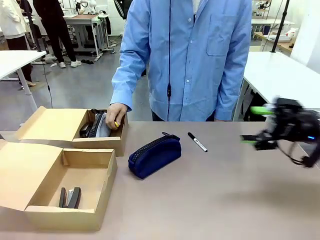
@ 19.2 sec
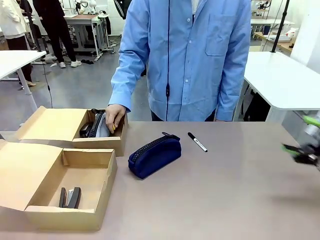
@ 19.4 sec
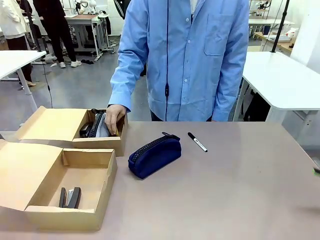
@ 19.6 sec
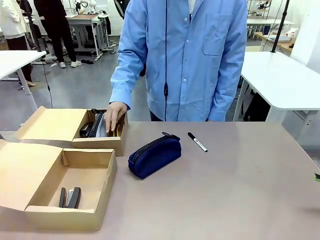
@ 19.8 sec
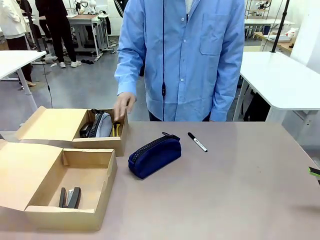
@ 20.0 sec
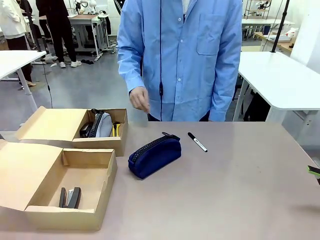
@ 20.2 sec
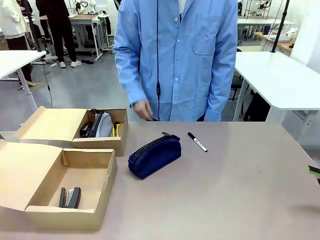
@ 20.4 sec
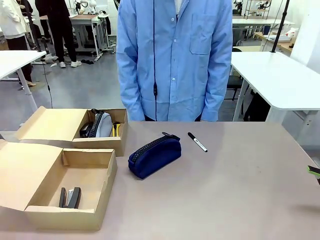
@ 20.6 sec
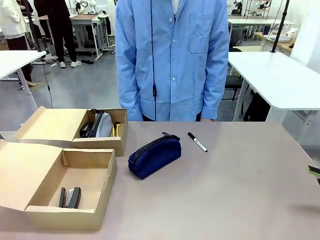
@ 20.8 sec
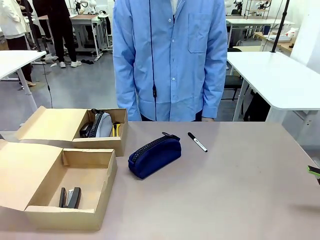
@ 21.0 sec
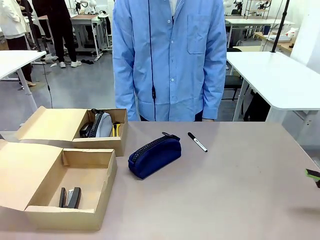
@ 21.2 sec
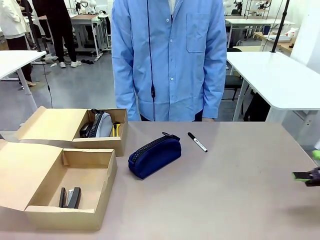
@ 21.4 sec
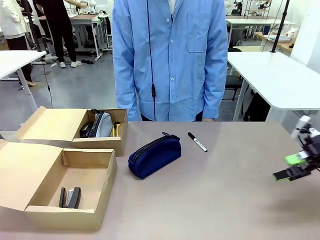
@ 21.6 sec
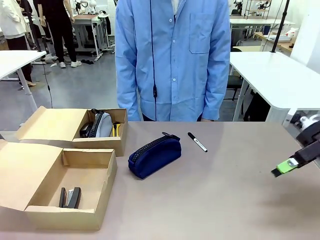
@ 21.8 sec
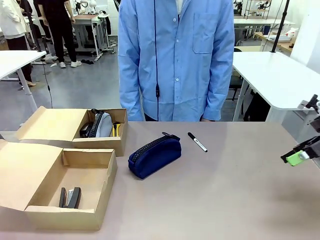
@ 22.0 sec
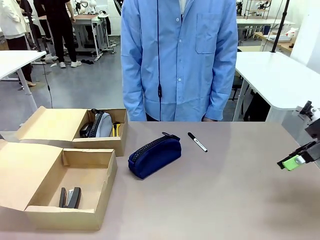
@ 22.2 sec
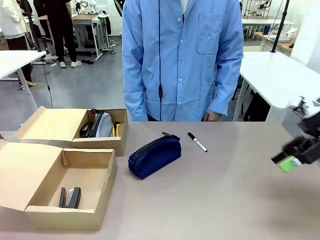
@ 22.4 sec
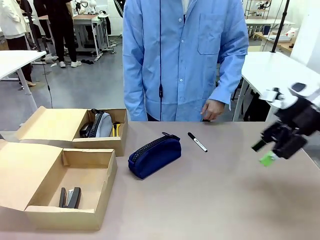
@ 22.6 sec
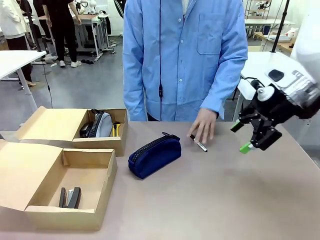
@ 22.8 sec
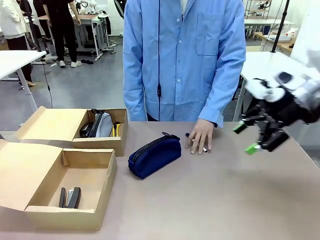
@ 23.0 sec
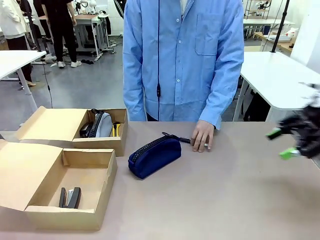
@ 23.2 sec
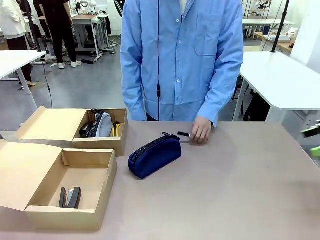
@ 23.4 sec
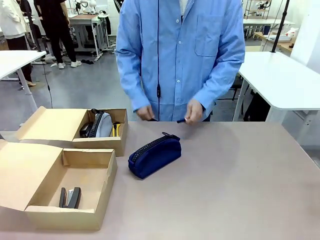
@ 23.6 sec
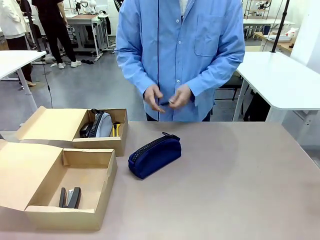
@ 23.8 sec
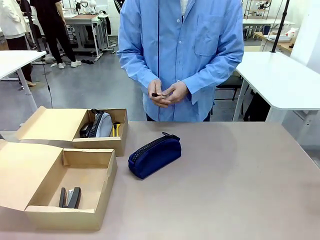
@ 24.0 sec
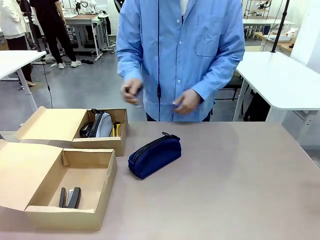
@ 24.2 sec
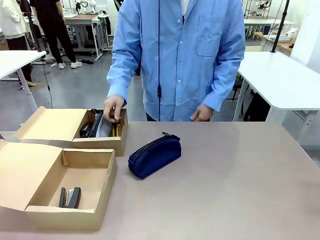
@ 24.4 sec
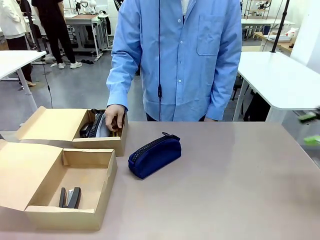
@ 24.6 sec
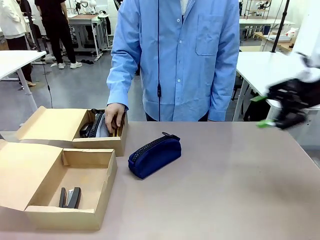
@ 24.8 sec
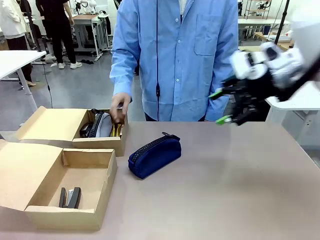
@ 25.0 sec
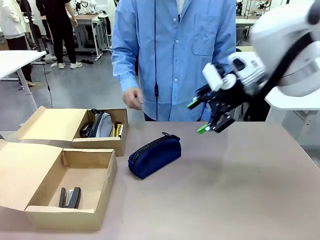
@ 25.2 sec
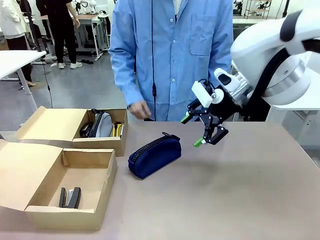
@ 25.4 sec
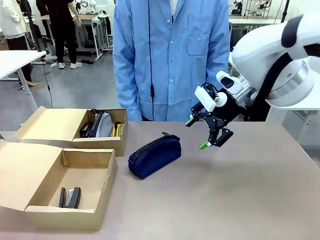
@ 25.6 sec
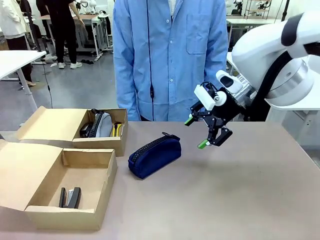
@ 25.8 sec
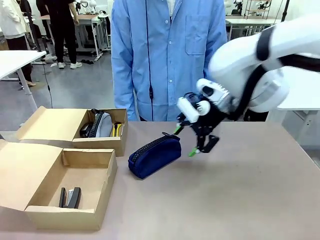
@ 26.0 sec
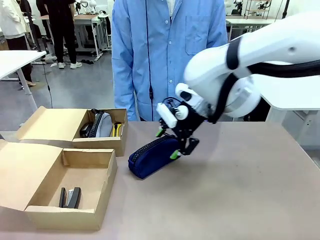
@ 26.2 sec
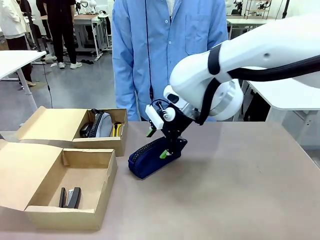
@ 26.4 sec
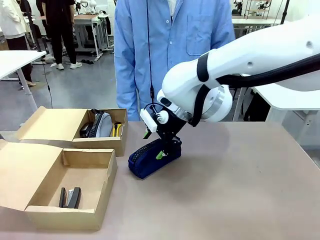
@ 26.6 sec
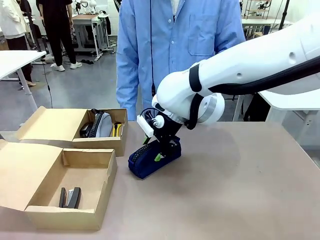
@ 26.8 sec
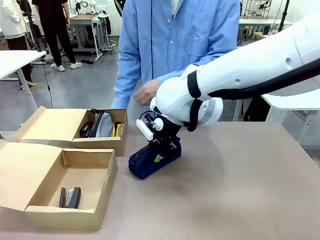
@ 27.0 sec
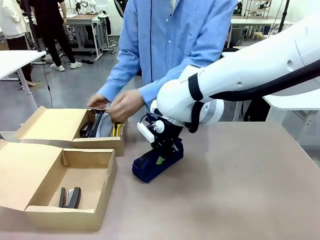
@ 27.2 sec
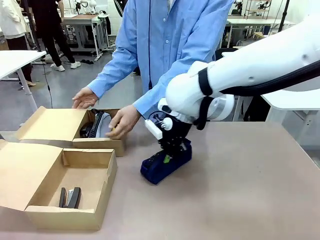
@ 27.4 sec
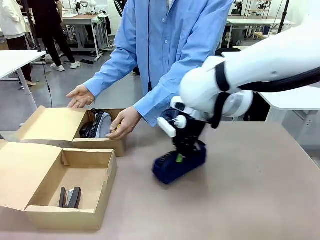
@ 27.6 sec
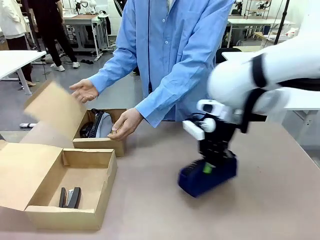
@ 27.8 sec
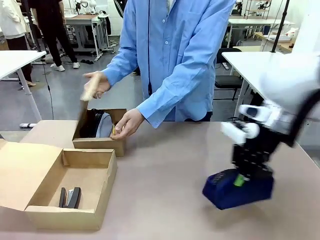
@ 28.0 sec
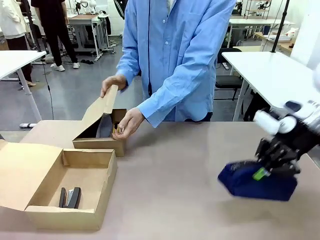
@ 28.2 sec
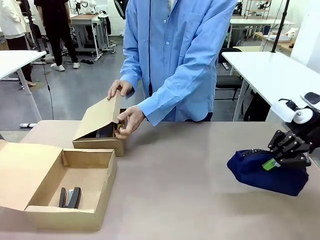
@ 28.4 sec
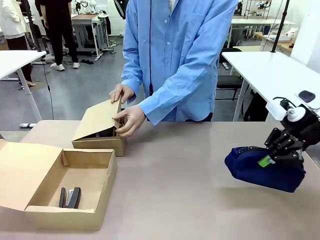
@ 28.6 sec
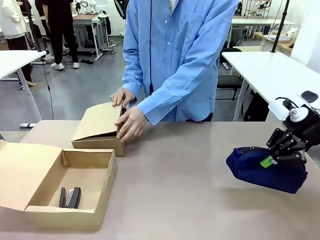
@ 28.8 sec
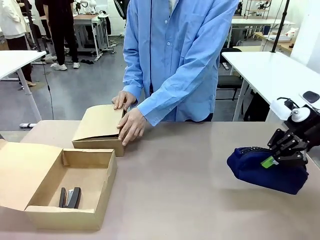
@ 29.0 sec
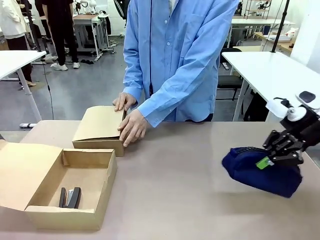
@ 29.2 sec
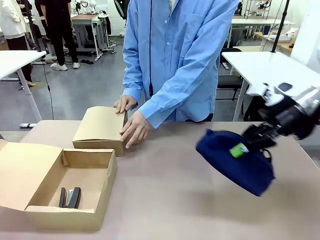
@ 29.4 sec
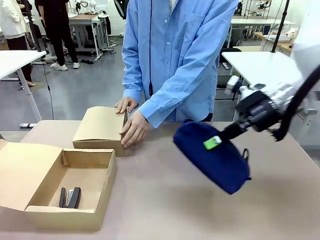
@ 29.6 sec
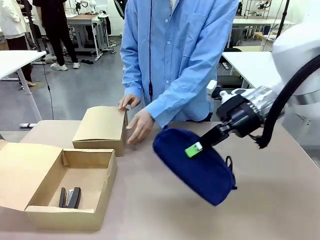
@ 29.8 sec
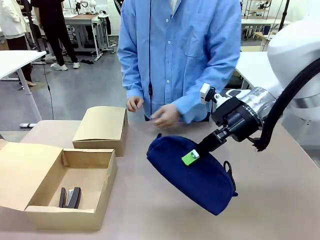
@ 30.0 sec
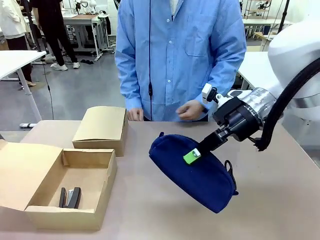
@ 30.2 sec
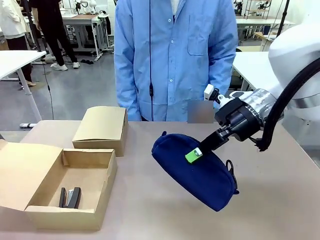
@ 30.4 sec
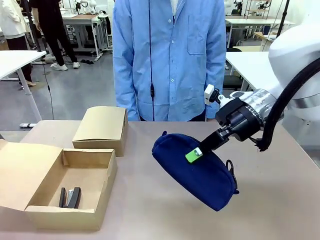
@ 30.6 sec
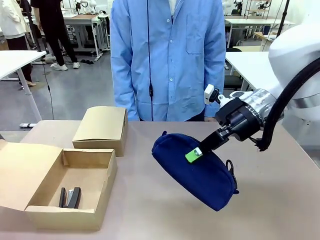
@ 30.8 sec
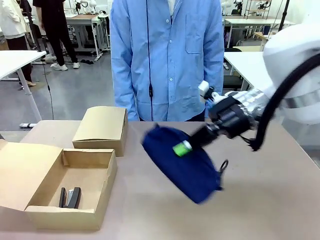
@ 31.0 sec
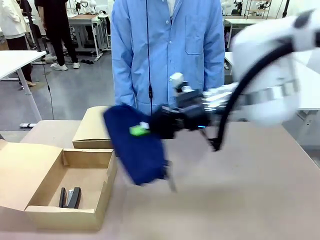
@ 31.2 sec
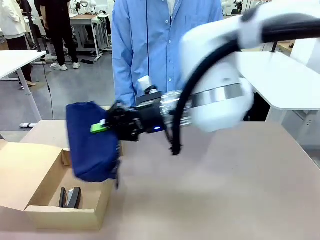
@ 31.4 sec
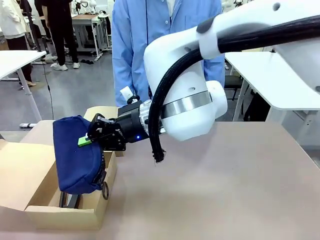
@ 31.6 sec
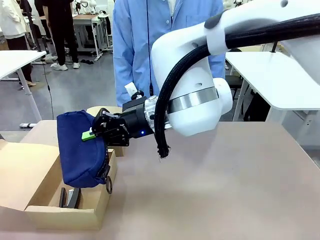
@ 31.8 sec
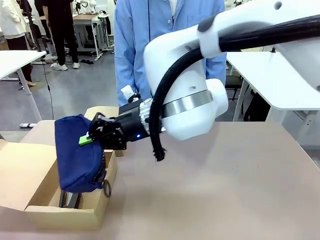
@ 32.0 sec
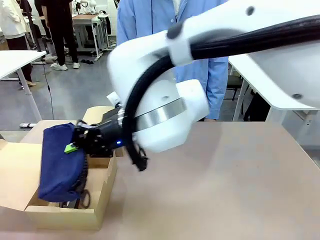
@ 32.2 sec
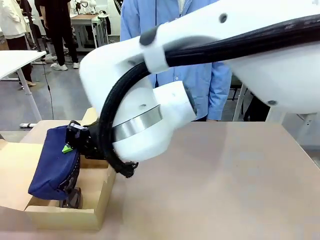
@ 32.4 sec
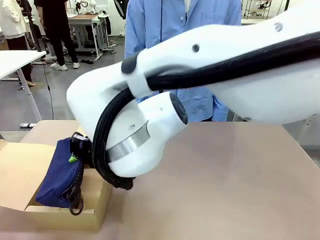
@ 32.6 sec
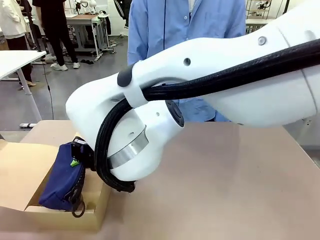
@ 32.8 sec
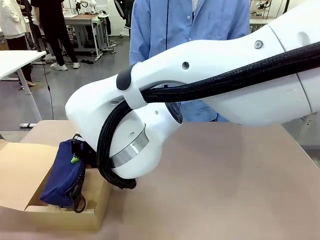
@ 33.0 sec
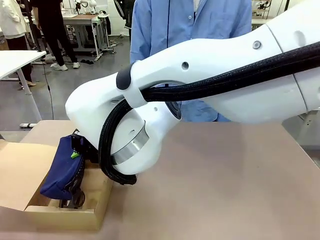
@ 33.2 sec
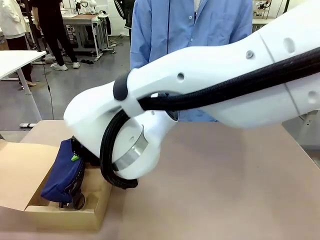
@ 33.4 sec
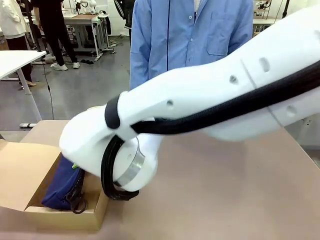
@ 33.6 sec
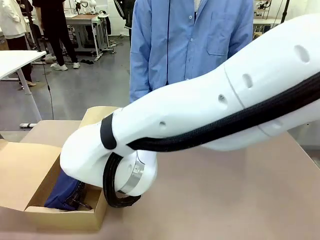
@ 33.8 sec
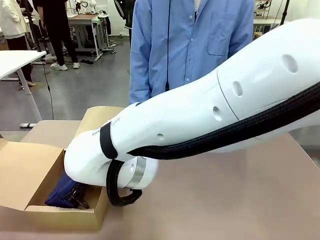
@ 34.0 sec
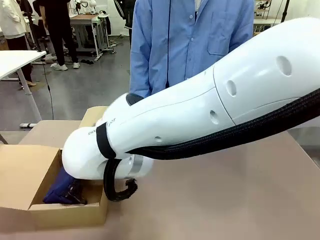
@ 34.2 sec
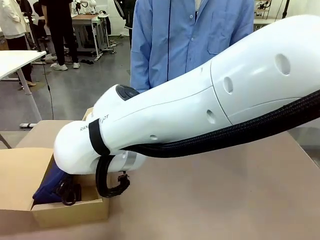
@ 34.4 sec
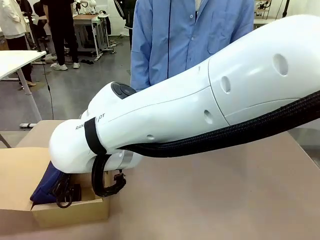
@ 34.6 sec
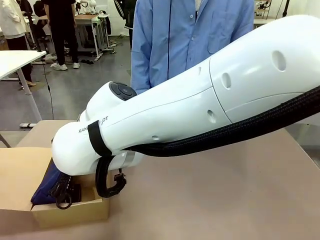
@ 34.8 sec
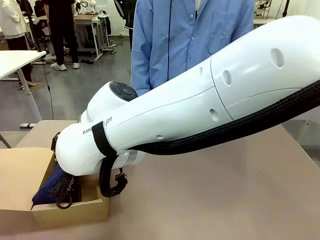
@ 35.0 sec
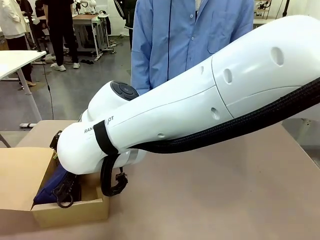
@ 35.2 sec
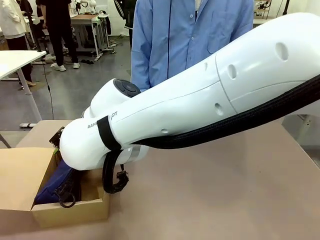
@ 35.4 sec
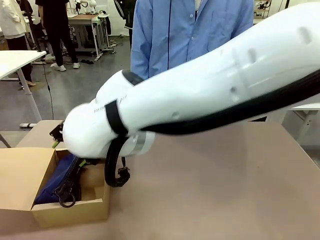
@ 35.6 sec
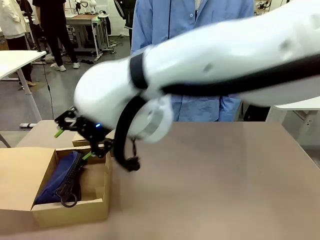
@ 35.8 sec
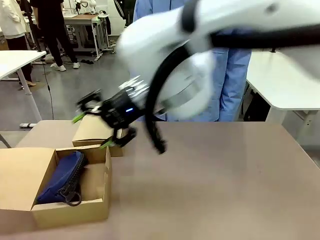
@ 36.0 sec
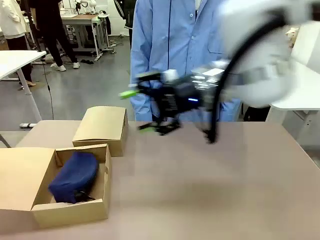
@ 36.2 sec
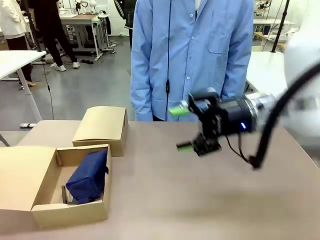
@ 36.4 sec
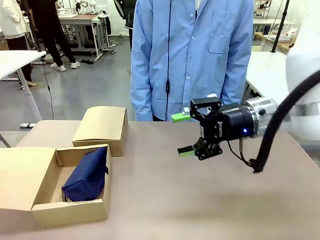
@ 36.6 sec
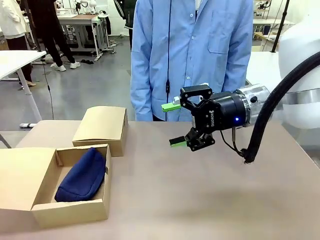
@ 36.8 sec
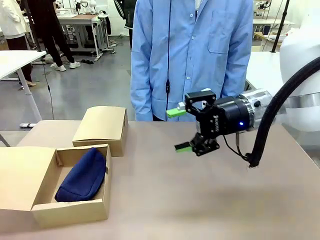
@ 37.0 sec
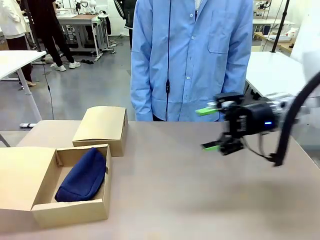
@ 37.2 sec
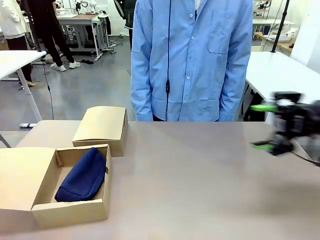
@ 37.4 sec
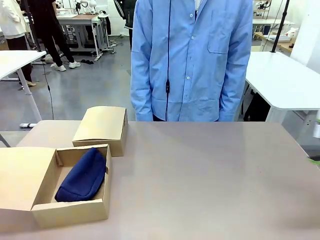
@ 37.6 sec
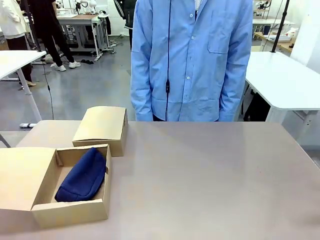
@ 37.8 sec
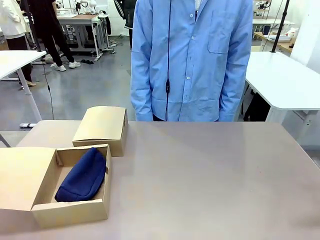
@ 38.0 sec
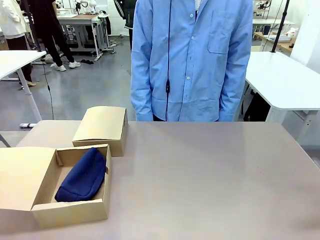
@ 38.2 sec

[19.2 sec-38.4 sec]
Task: Place items inside the box.
Robot: Pick up a Pencil pouch or Stapler and place it inside the Mailer Box closest to the robot.
Person: Close the lid of the box facing the person.
